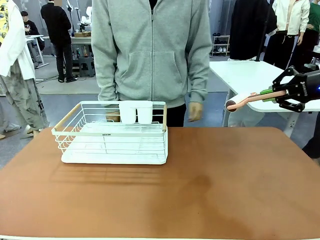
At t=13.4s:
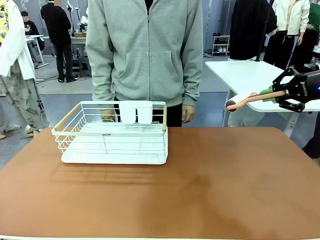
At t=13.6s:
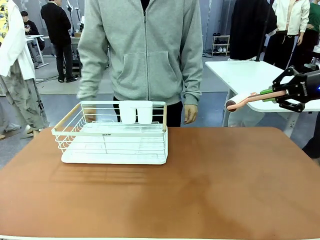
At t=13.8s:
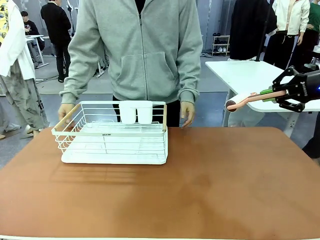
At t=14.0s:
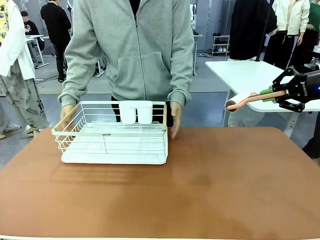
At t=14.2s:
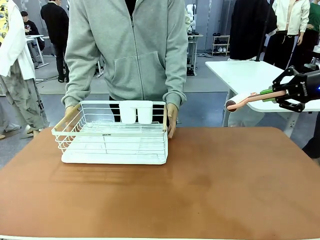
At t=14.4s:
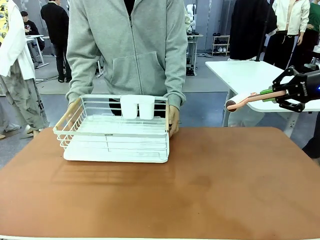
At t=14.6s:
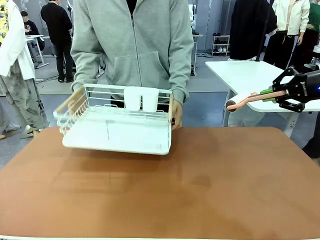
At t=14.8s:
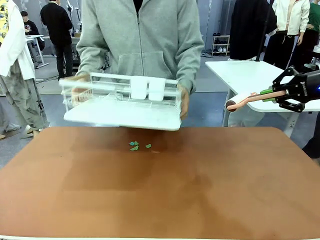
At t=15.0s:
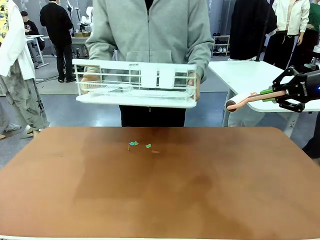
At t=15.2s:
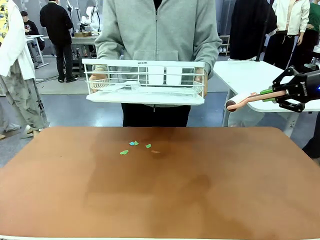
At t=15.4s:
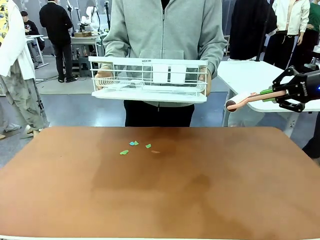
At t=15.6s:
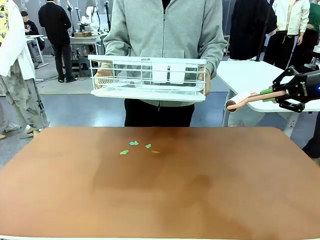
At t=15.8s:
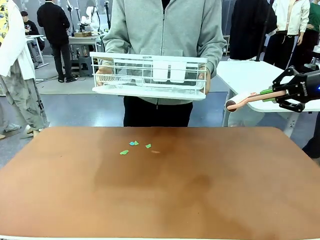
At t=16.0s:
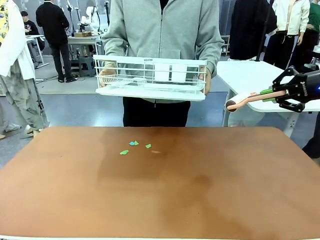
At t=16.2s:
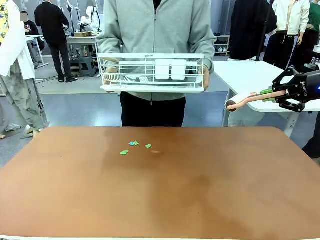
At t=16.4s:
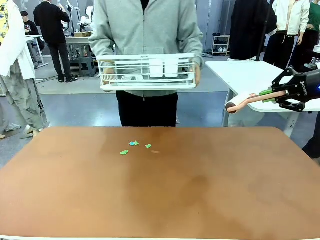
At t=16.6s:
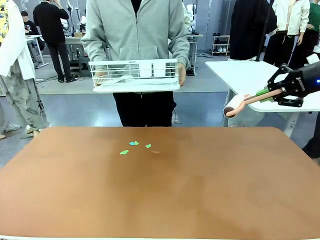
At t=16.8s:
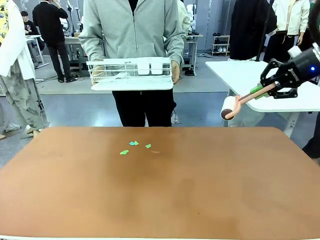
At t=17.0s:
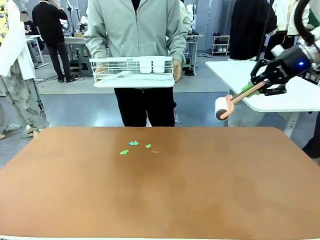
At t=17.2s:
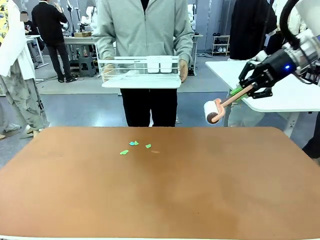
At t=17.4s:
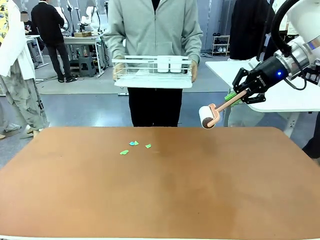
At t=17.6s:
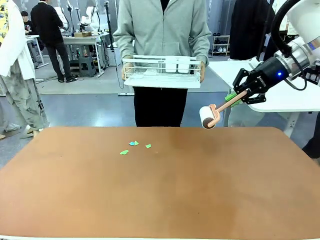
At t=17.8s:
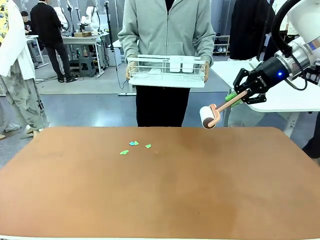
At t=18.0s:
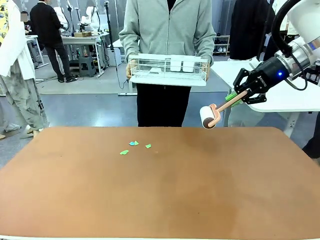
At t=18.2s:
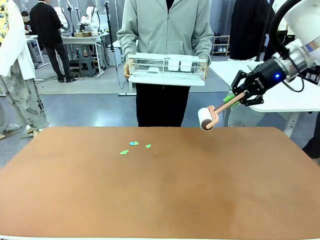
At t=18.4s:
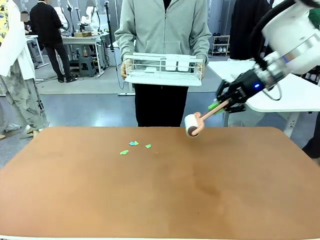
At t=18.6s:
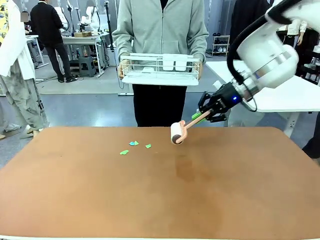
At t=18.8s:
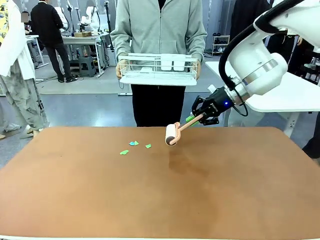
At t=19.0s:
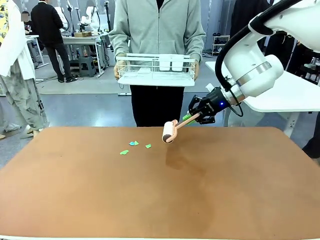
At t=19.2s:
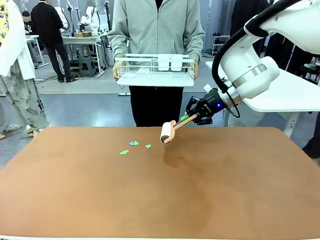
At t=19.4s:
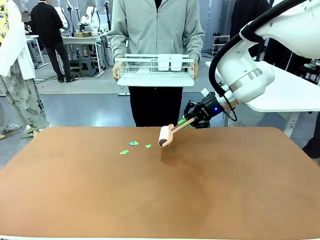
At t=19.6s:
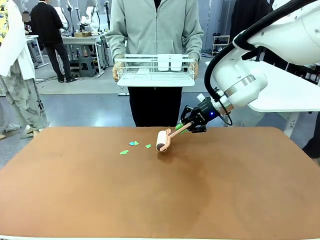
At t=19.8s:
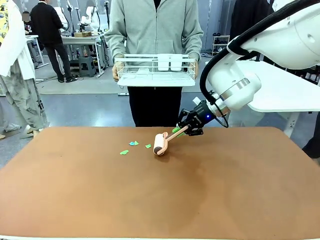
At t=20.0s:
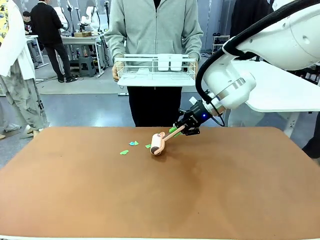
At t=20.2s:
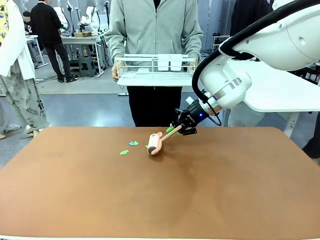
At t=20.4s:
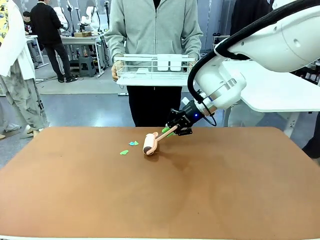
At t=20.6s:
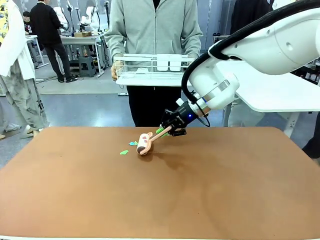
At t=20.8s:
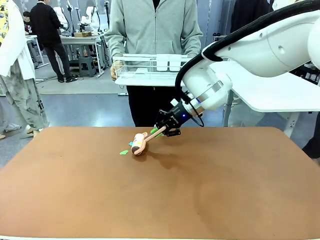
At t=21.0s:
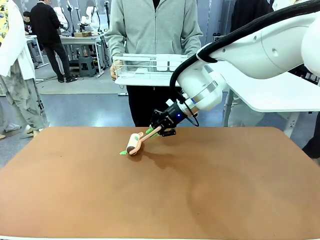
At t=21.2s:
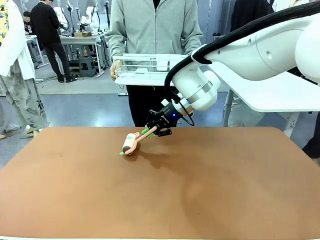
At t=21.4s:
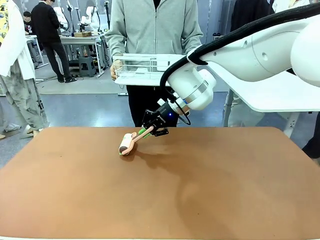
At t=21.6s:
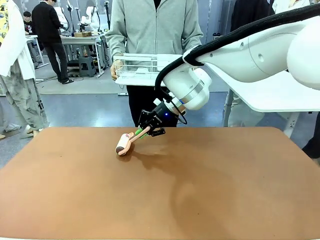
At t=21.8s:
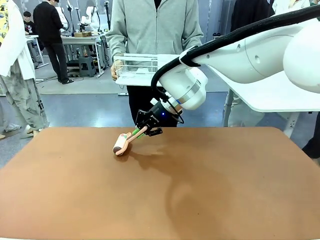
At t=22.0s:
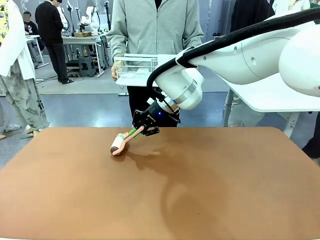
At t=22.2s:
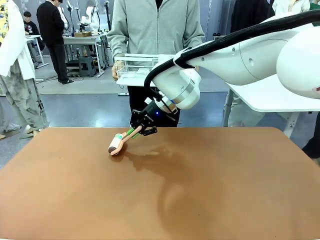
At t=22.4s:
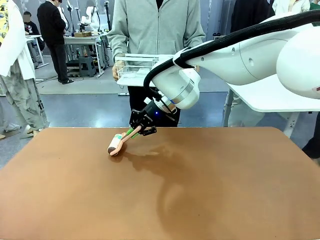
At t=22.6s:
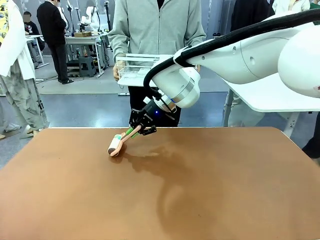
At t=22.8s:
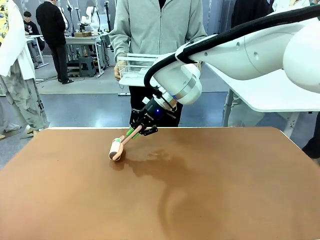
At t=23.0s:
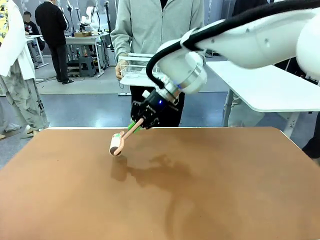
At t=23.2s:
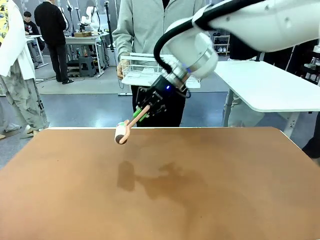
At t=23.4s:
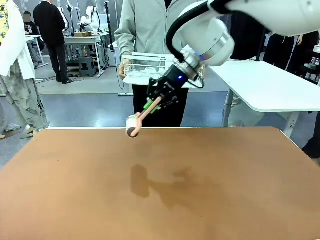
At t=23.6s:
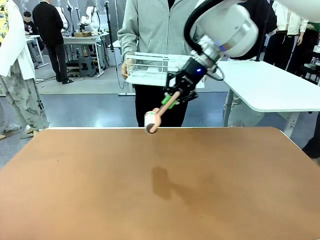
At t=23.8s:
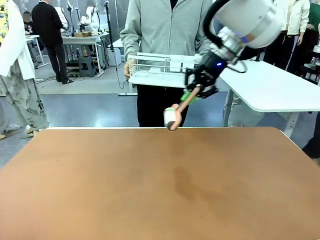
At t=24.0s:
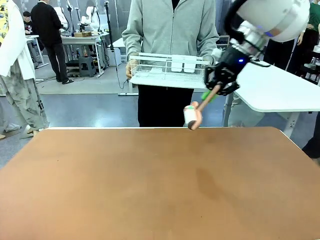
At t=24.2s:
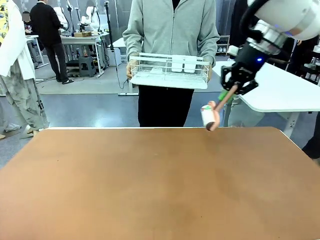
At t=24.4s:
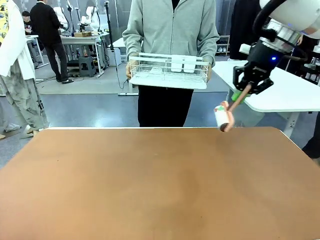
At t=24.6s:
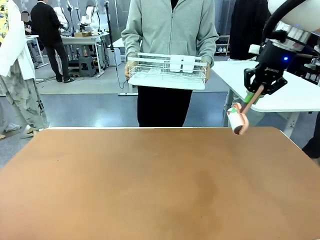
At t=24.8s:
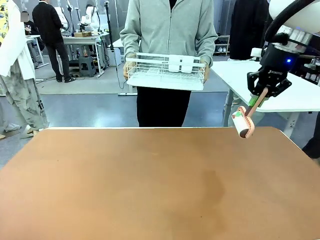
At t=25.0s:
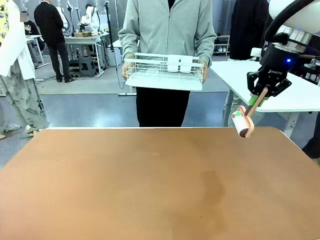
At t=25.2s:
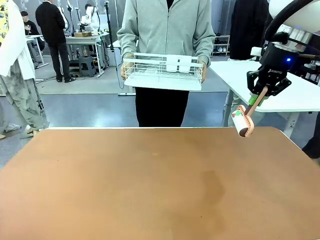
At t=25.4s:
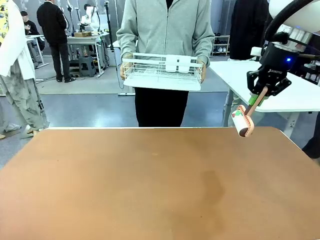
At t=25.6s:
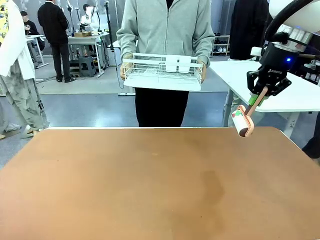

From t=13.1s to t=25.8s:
Task: Clean the table.
Robot: Clean the table with the Lint Roller when the human lifts the Dish drying rack.
Person: Place the Dish drying rack down when the robot finishes cleaning.

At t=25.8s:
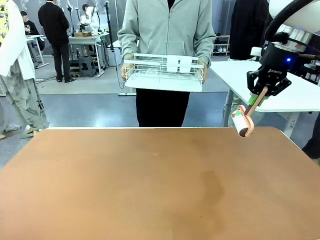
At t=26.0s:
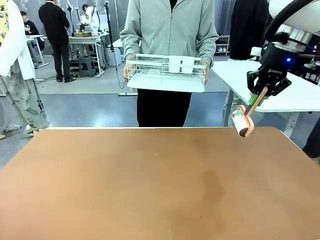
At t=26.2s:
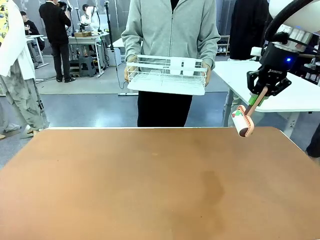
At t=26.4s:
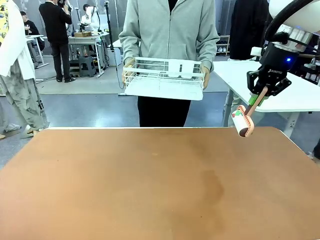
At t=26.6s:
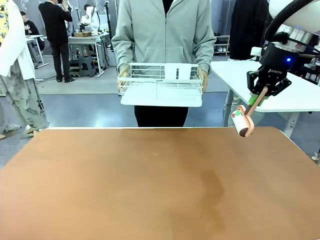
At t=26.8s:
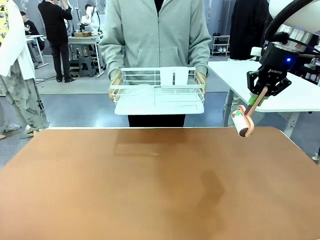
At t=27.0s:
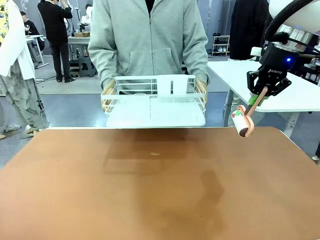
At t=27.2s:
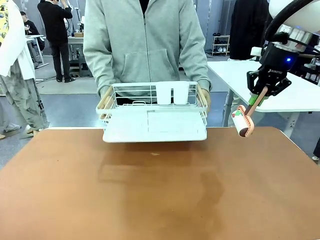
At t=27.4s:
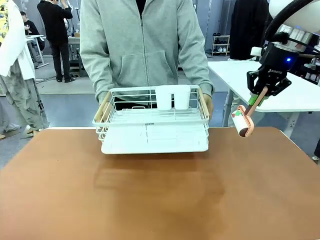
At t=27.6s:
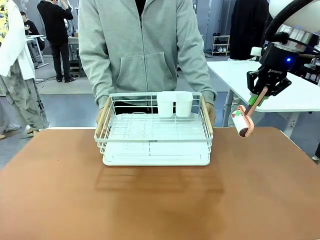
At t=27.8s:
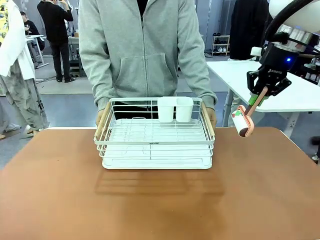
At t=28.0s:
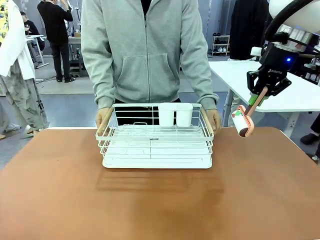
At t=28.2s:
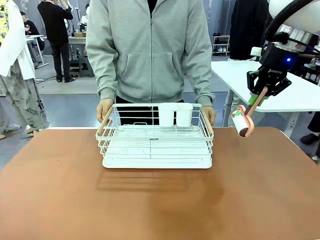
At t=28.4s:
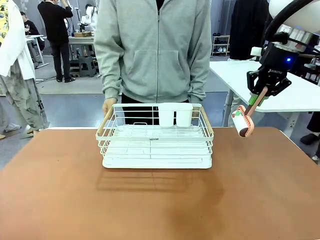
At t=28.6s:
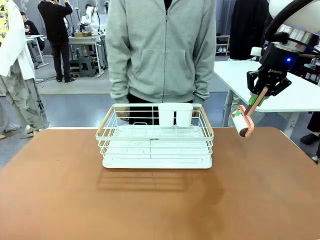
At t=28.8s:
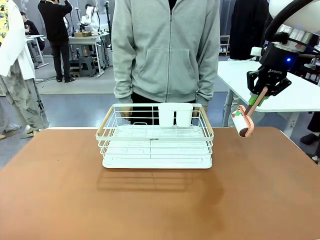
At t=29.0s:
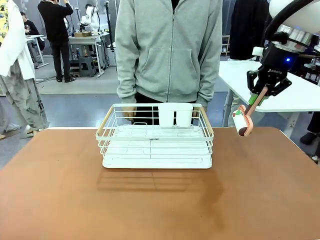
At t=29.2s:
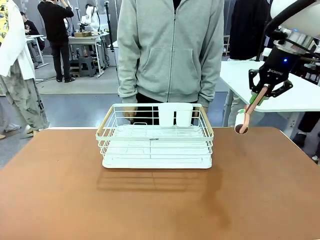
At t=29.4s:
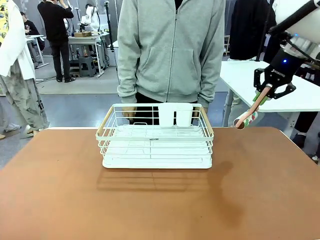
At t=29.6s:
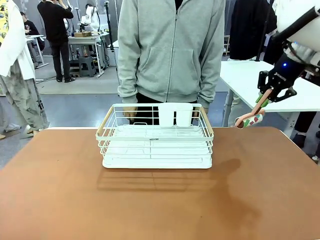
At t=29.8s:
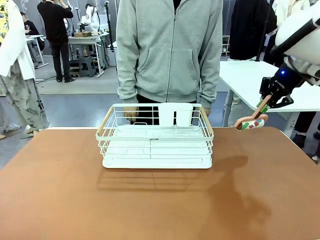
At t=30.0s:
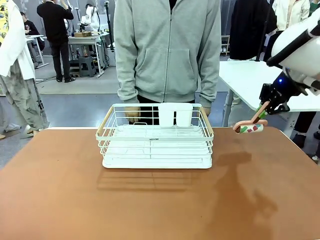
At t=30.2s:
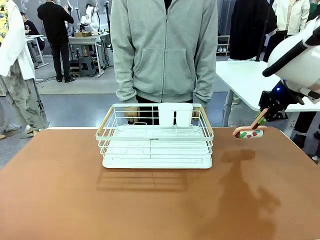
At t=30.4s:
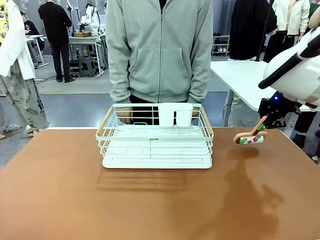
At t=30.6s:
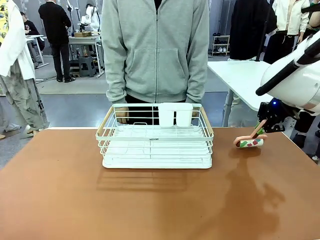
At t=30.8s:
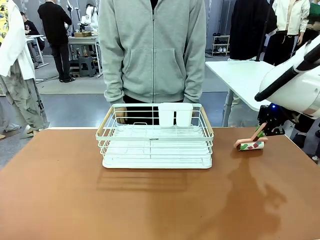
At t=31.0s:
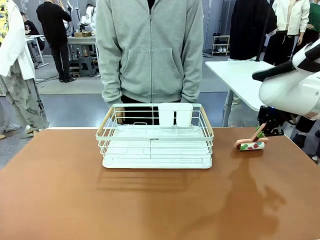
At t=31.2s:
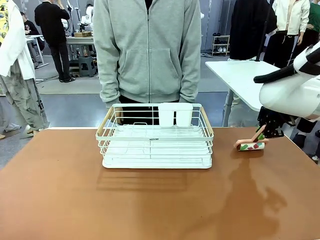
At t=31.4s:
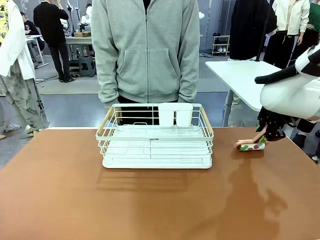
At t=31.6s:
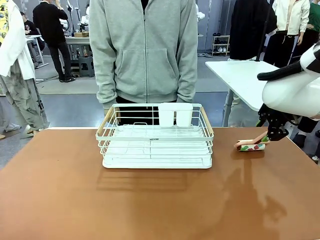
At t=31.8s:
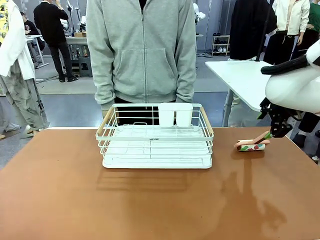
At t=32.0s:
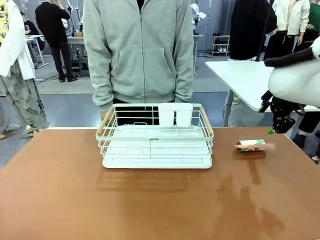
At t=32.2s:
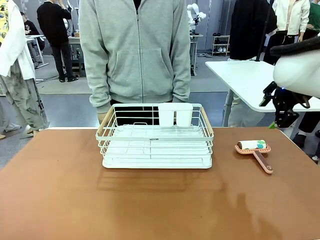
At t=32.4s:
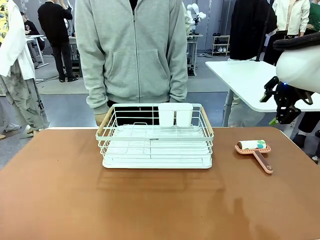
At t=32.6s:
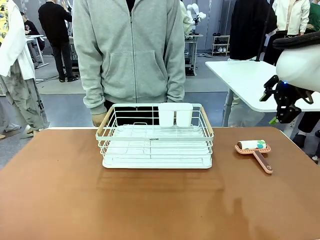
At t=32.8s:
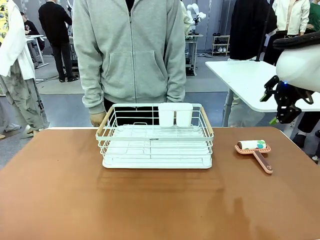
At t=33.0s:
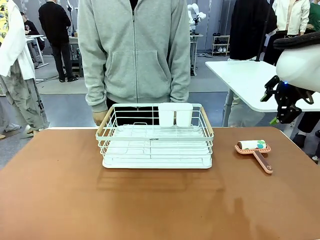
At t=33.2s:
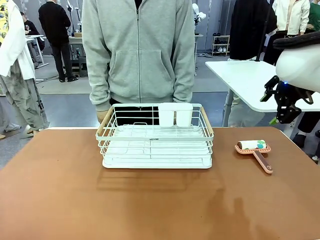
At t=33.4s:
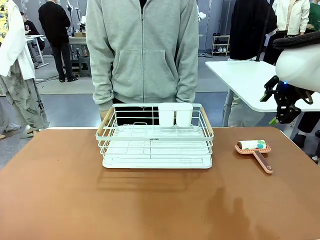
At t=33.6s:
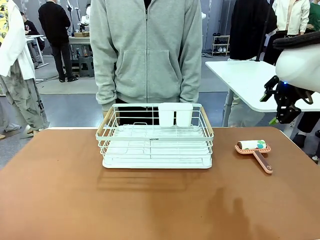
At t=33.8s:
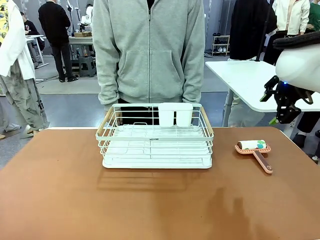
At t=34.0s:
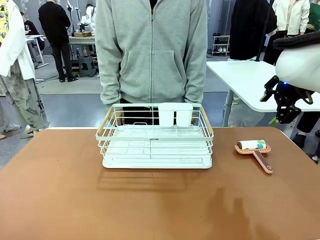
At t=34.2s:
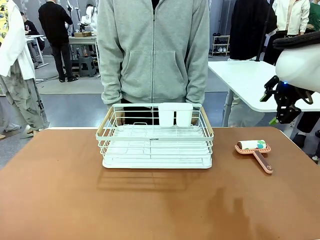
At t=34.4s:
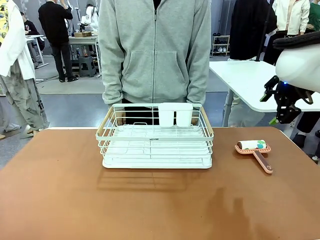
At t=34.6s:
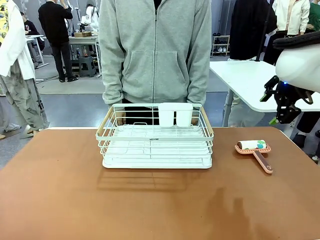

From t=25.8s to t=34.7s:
Robot: Place the Lint Roller down when the Dish drying rack is positioned in the middle of the table.
